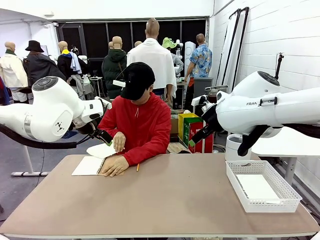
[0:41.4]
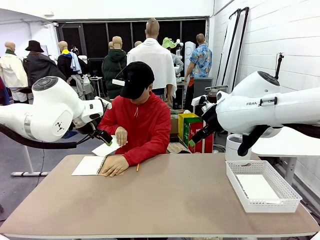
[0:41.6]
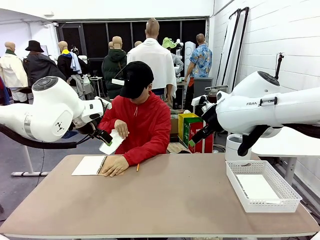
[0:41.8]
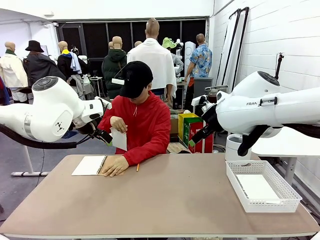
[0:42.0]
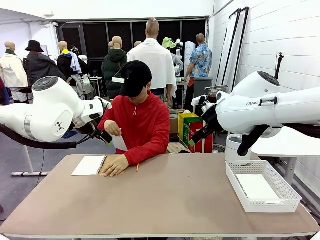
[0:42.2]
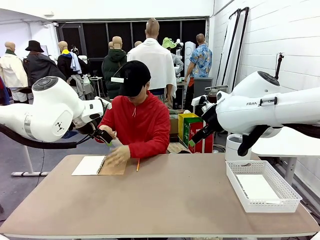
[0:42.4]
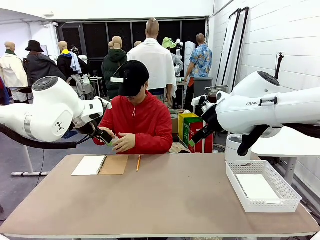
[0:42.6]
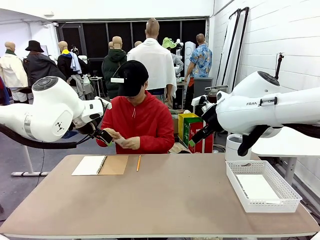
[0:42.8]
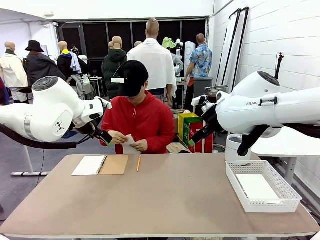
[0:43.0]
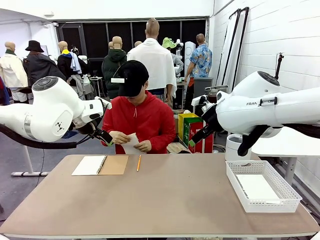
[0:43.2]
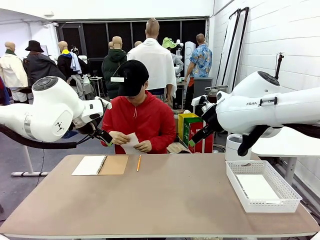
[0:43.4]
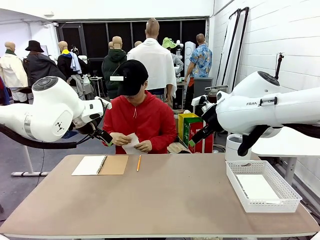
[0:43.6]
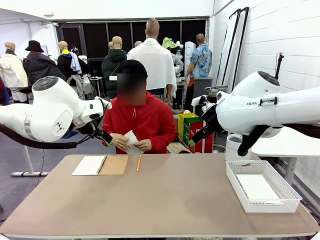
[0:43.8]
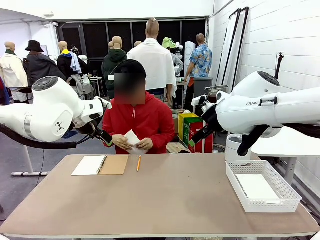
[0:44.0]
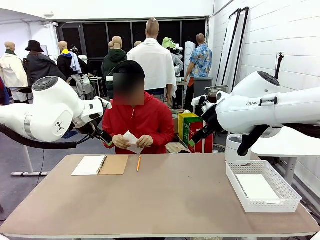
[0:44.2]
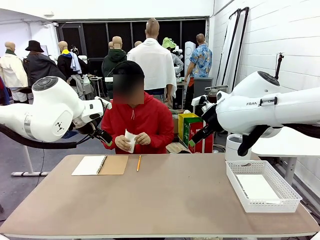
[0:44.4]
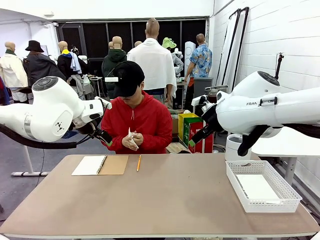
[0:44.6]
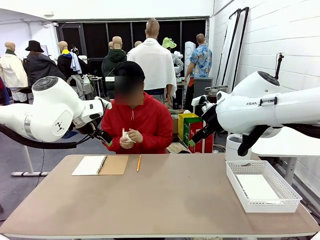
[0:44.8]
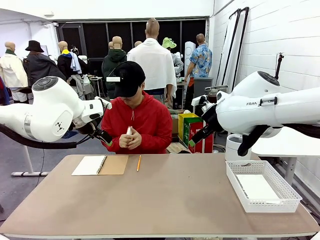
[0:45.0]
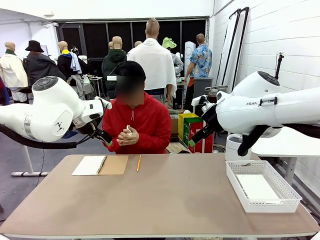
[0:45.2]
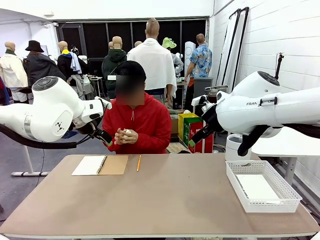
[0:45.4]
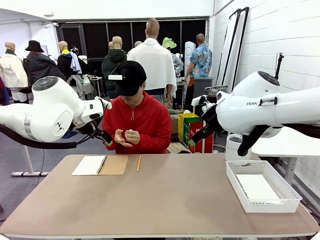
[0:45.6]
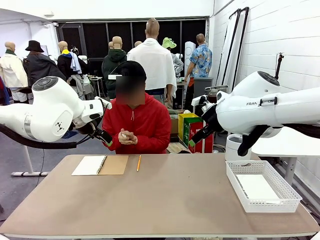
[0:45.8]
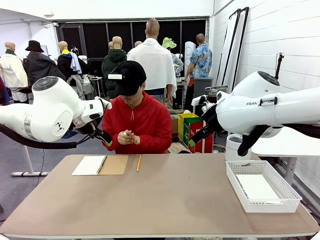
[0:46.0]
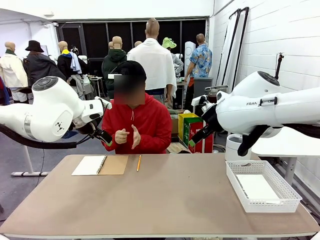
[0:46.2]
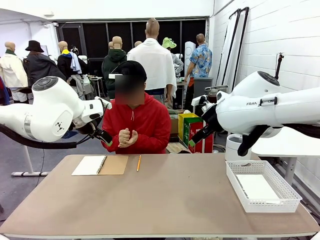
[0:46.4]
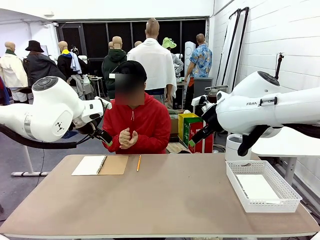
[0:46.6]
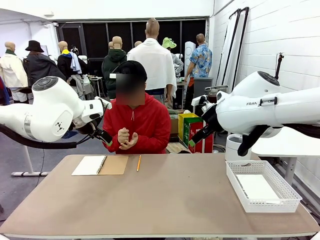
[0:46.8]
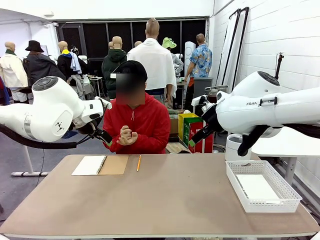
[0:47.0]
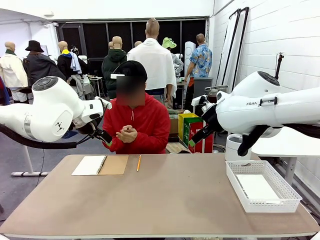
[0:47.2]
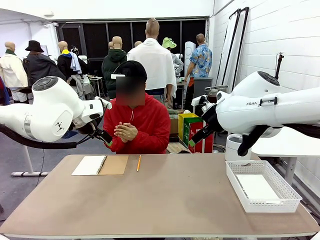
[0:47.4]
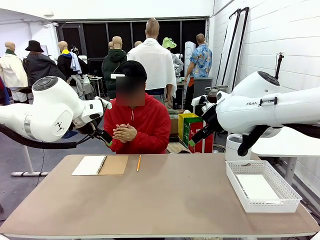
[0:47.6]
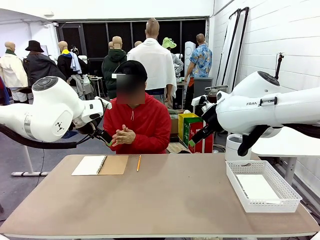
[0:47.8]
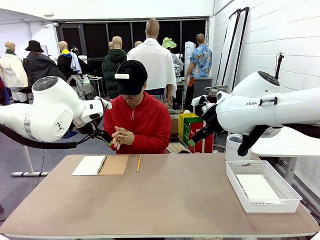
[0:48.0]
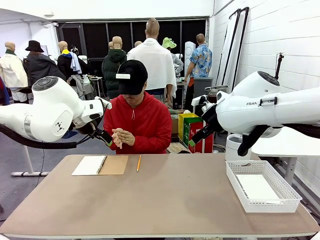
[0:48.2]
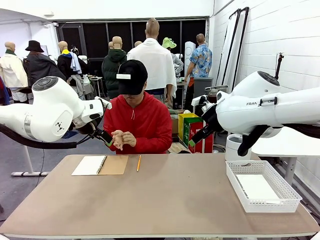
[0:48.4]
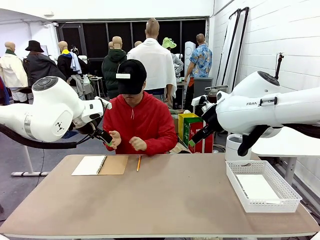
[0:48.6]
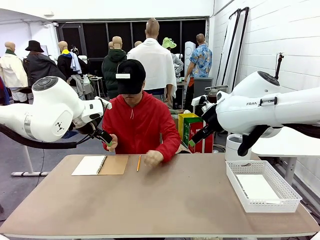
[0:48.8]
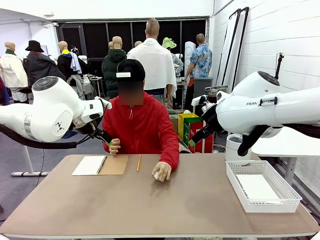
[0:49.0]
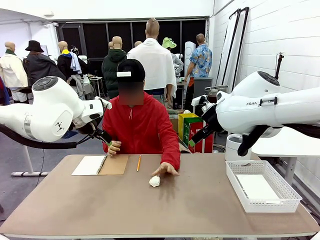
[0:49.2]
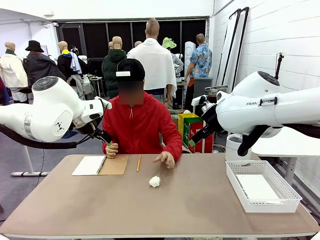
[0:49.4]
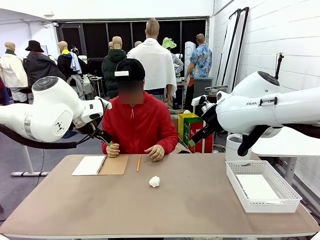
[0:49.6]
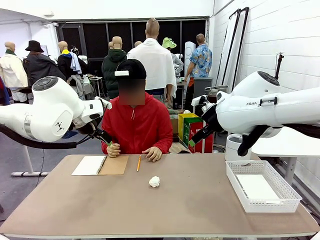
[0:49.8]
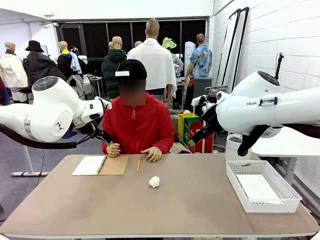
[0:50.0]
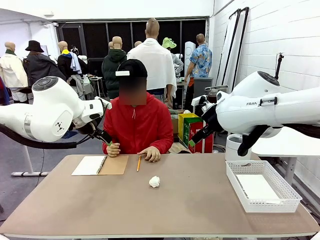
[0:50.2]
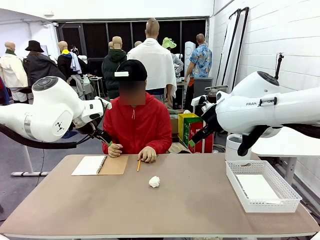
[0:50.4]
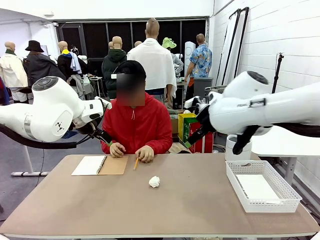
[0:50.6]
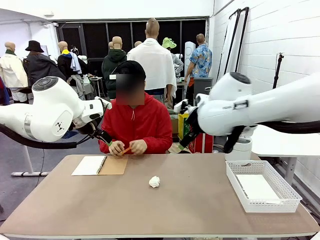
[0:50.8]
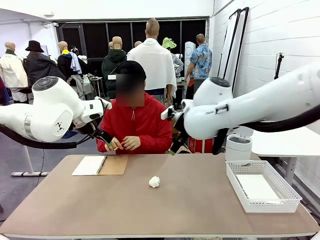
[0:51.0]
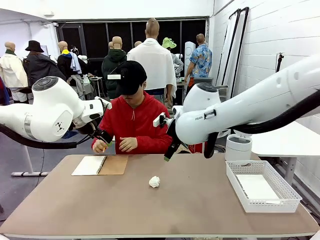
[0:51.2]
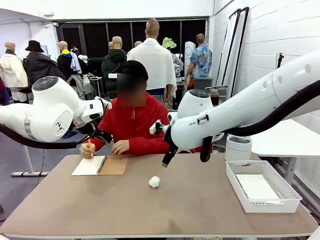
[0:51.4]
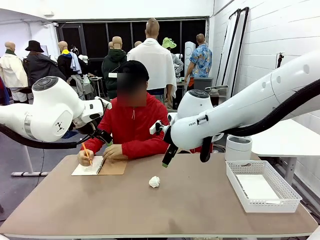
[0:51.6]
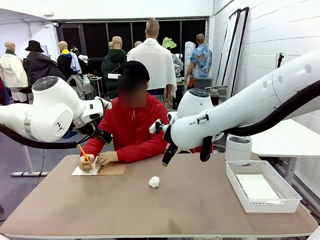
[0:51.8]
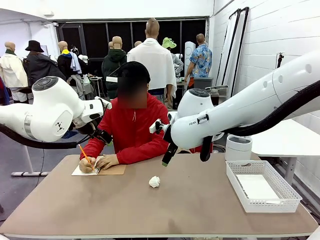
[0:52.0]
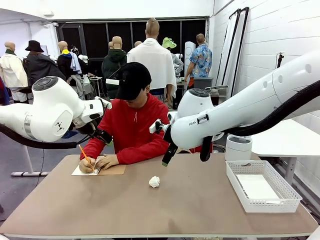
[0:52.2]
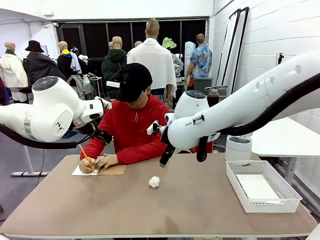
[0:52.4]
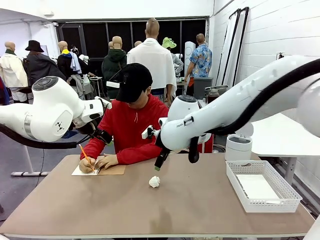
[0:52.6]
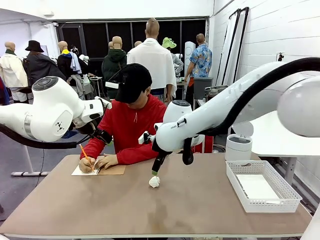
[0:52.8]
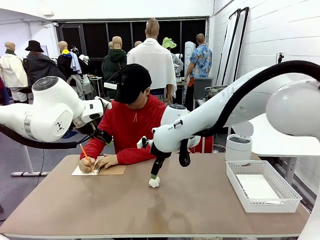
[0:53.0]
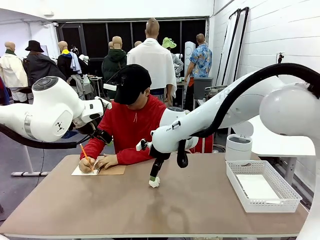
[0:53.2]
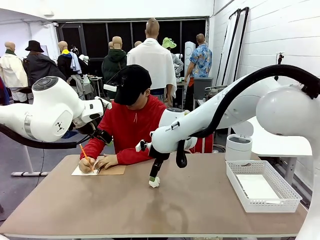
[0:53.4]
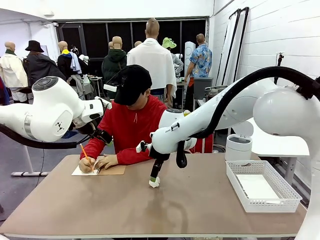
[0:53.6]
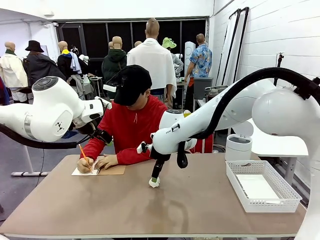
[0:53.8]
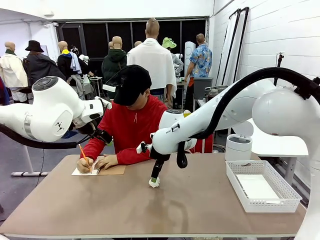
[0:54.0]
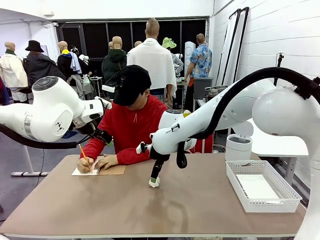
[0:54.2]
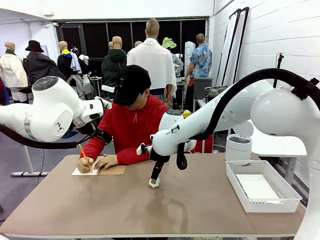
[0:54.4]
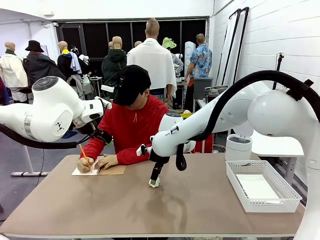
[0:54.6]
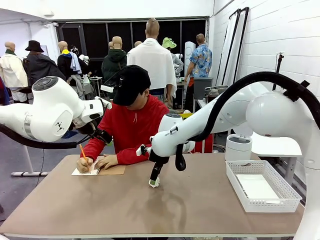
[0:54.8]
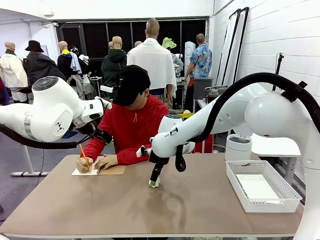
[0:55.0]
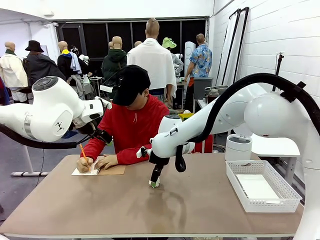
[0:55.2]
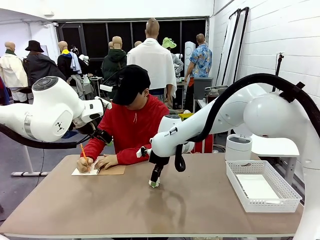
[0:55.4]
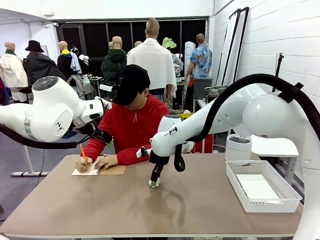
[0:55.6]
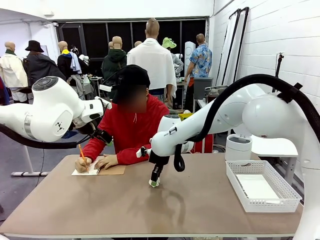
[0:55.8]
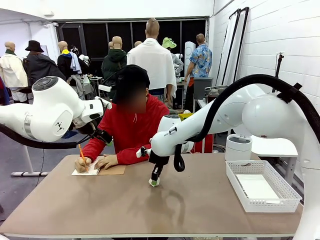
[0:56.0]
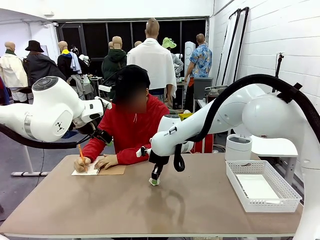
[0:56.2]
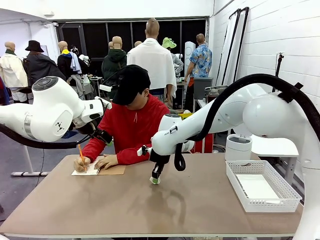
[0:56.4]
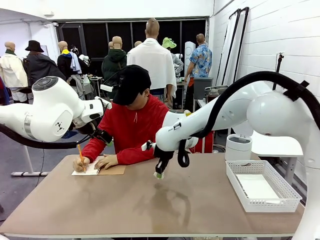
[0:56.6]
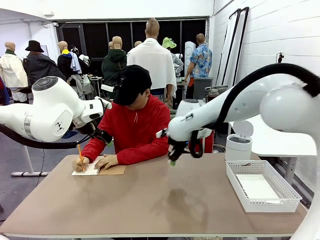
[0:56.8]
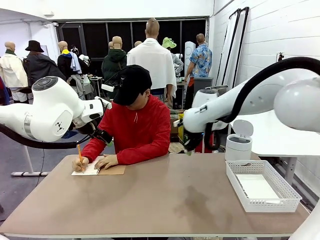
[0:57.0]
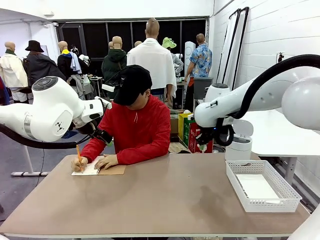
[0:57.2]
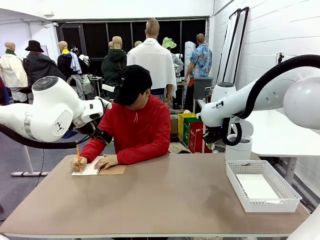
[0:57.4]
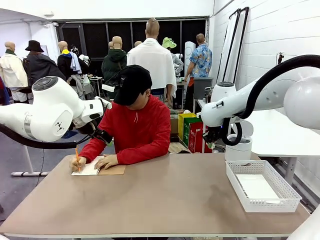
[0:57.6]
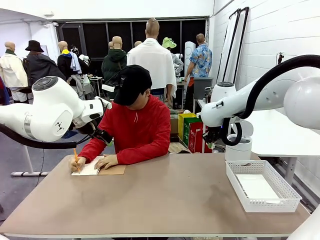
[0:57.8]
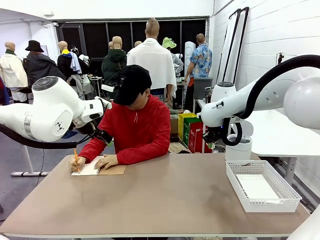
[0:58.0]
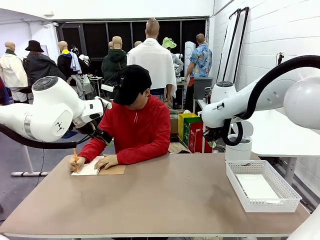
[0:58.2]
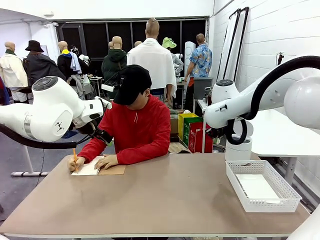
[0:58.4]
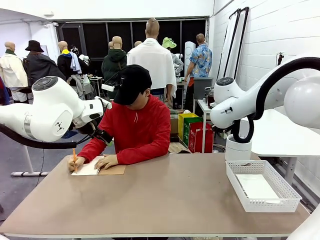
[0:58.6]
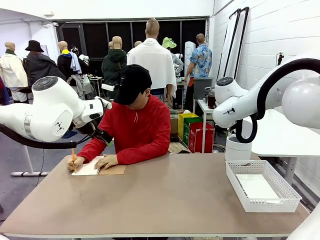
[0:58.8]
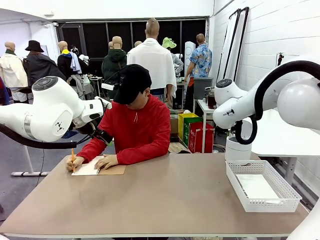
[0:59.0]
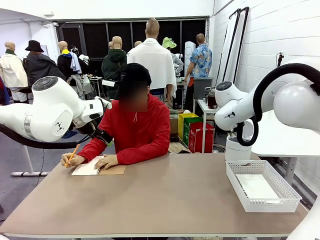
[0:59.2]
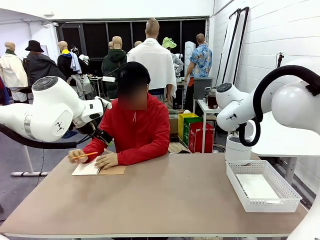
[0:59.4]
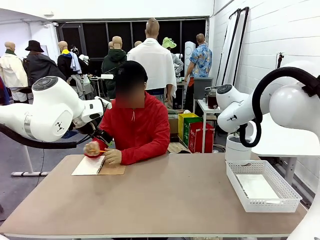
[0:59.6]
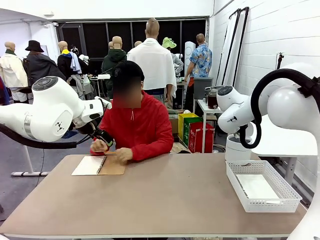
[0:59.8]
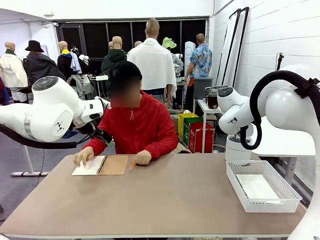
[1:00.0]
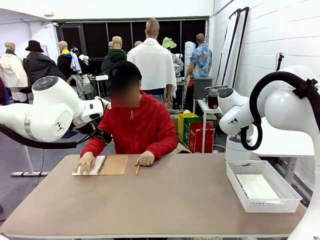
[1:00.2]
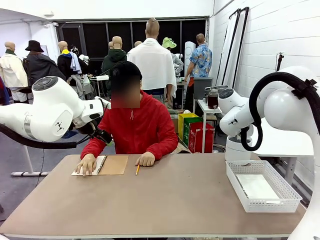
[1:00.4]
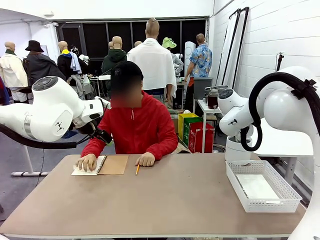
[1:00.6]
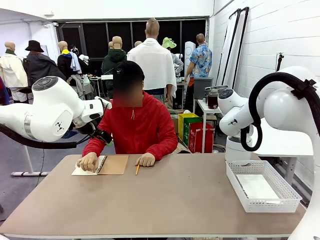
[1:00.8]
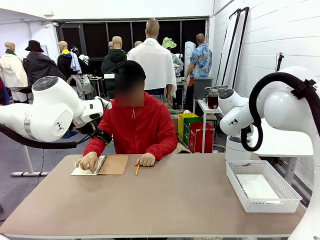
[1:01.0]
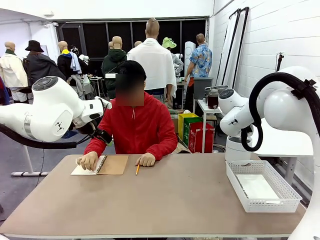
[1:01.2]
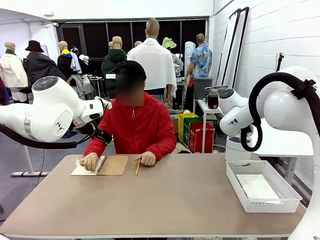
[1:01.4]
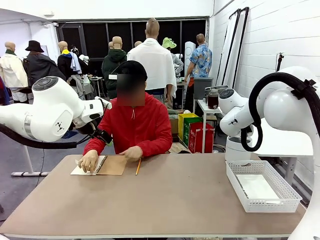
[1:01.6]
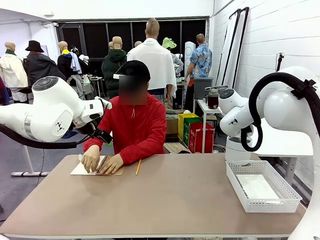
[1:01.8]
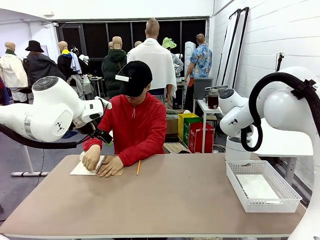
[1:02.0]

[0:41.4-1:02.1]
Task: Sort the paper based on its condition.
Robot: If a person hands you a paper, place it in the Organizing basket , and if it's crumpled, put it in the Trash can.
Person: Hand the torn page to the robot or crumple it and throw it to the center of the table. Tear out a page from the spiral notebook.
